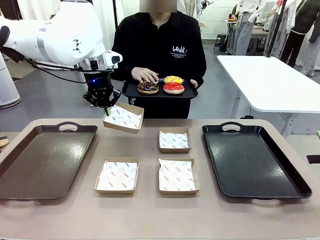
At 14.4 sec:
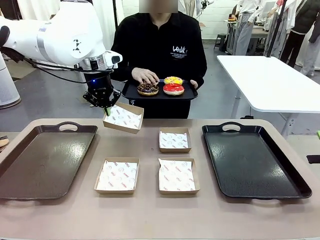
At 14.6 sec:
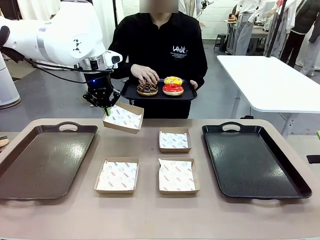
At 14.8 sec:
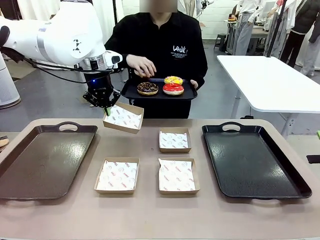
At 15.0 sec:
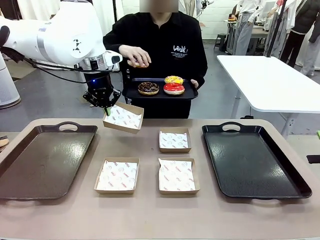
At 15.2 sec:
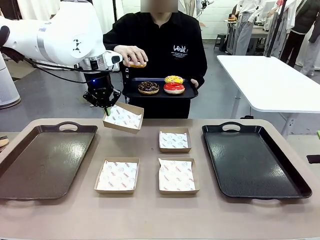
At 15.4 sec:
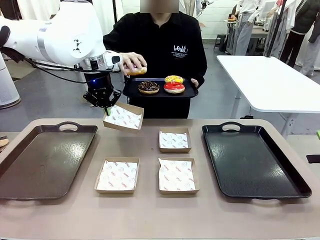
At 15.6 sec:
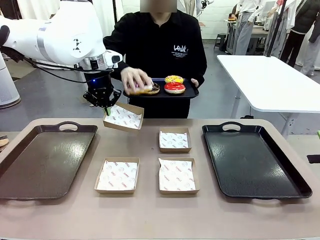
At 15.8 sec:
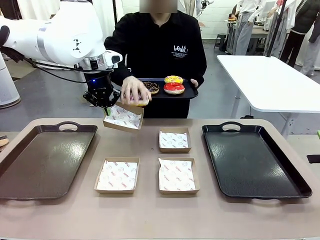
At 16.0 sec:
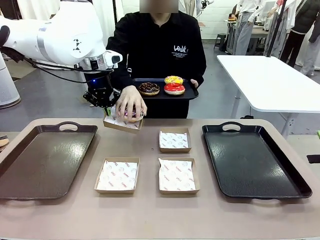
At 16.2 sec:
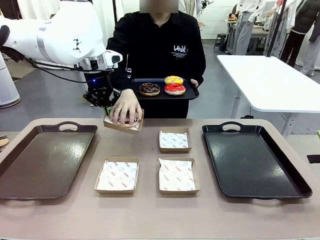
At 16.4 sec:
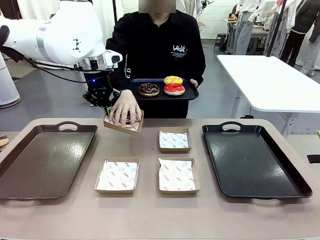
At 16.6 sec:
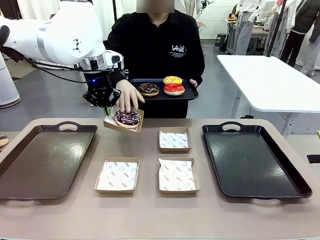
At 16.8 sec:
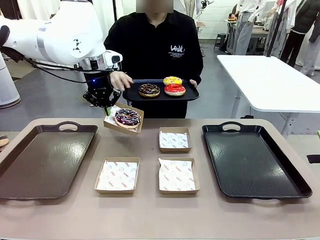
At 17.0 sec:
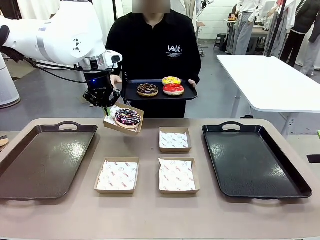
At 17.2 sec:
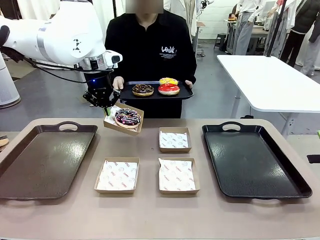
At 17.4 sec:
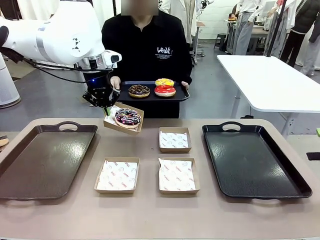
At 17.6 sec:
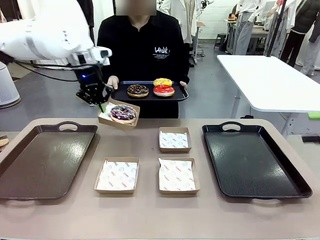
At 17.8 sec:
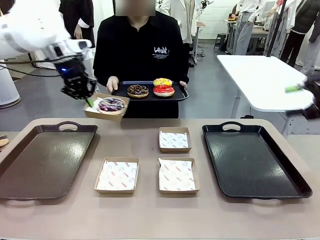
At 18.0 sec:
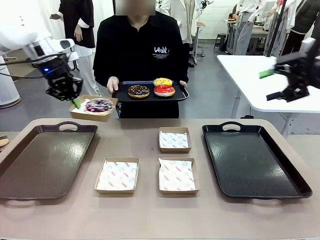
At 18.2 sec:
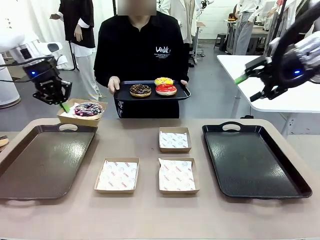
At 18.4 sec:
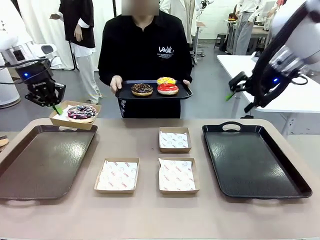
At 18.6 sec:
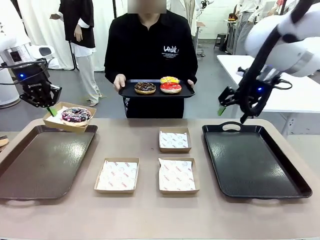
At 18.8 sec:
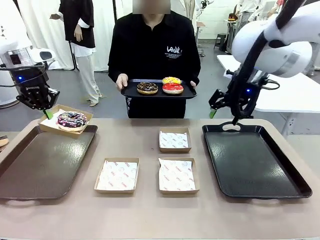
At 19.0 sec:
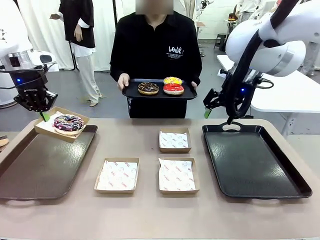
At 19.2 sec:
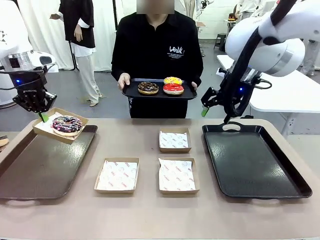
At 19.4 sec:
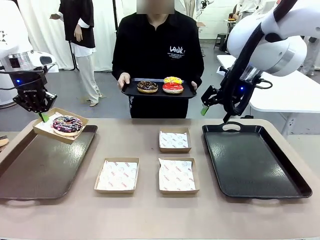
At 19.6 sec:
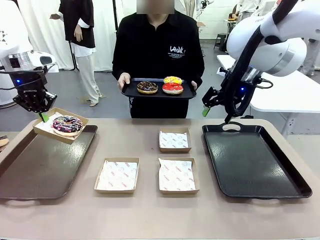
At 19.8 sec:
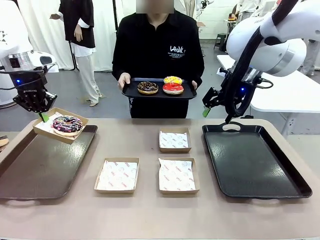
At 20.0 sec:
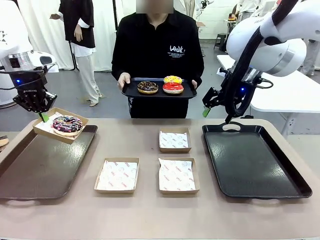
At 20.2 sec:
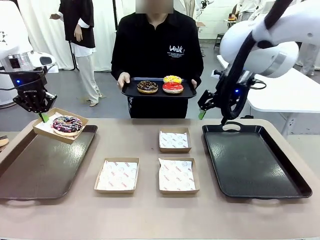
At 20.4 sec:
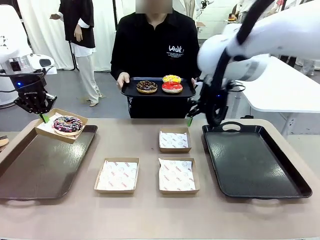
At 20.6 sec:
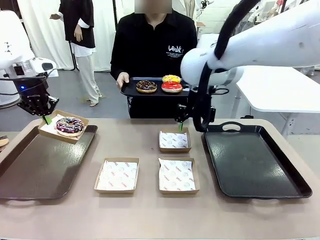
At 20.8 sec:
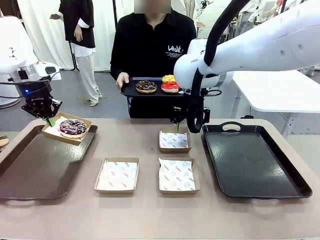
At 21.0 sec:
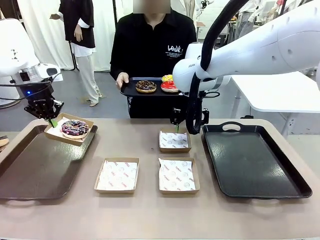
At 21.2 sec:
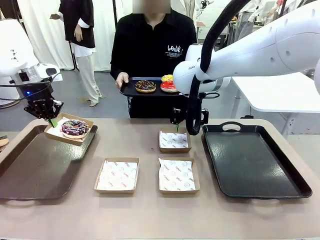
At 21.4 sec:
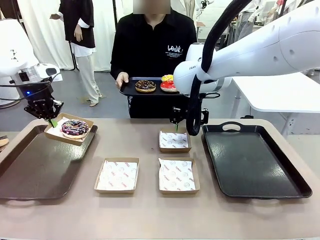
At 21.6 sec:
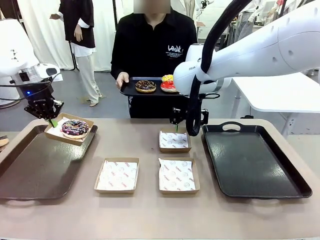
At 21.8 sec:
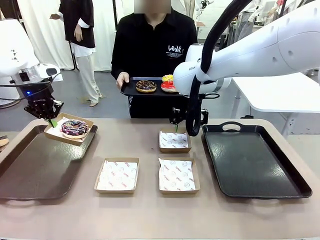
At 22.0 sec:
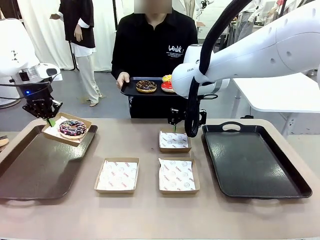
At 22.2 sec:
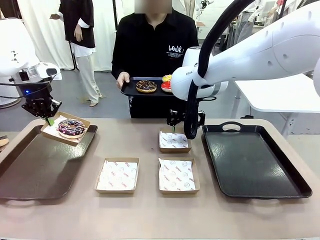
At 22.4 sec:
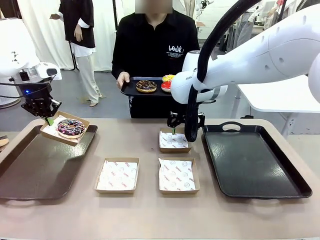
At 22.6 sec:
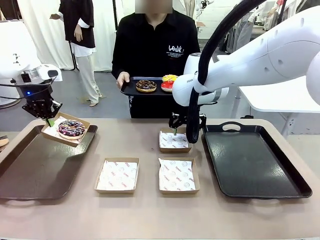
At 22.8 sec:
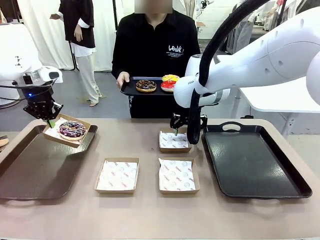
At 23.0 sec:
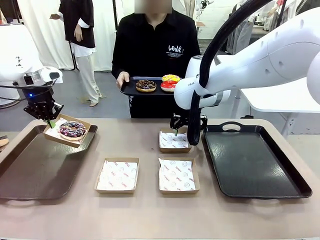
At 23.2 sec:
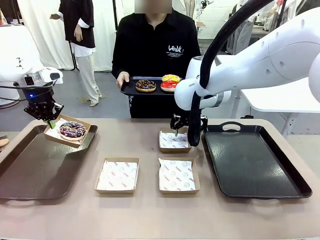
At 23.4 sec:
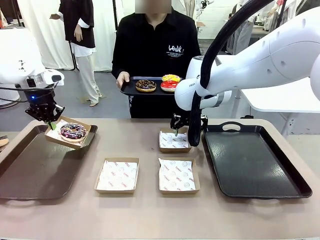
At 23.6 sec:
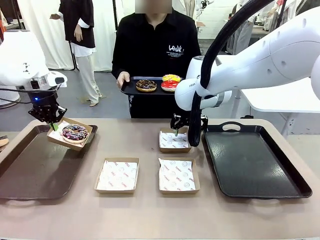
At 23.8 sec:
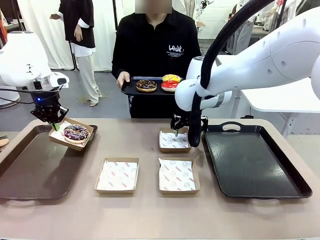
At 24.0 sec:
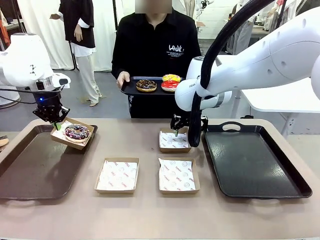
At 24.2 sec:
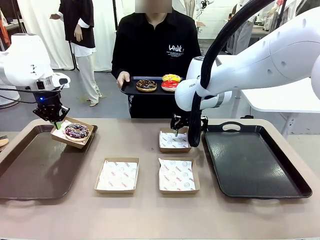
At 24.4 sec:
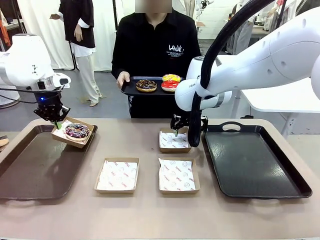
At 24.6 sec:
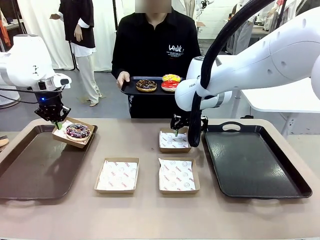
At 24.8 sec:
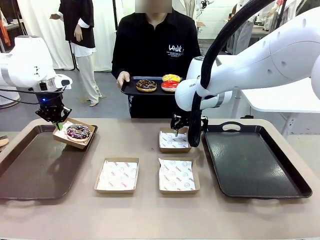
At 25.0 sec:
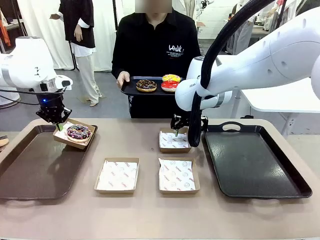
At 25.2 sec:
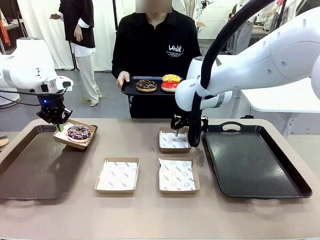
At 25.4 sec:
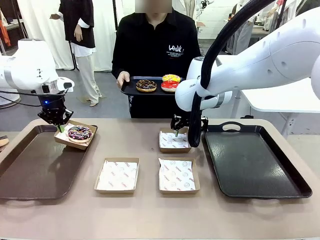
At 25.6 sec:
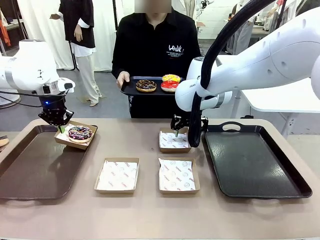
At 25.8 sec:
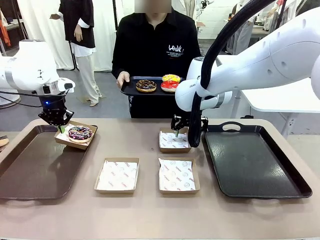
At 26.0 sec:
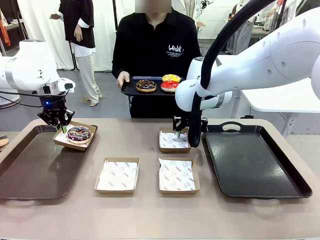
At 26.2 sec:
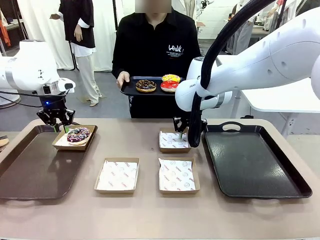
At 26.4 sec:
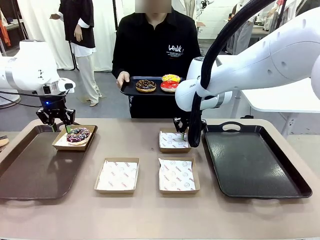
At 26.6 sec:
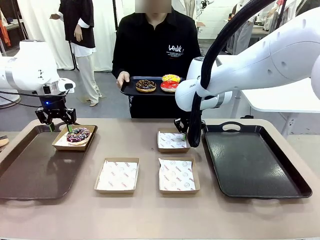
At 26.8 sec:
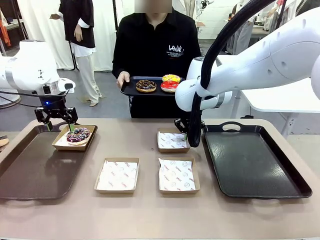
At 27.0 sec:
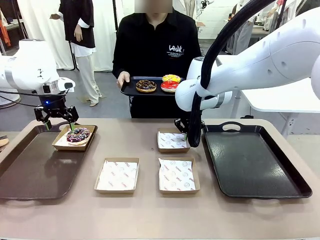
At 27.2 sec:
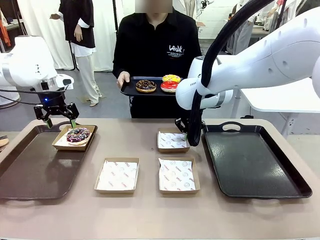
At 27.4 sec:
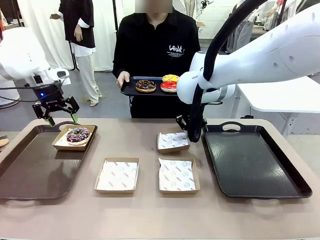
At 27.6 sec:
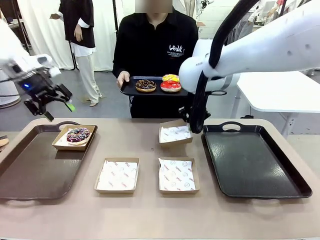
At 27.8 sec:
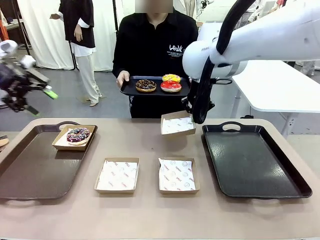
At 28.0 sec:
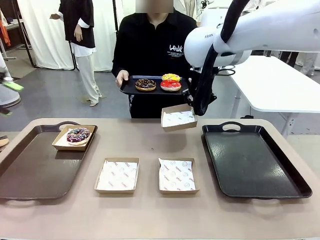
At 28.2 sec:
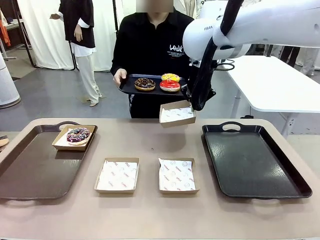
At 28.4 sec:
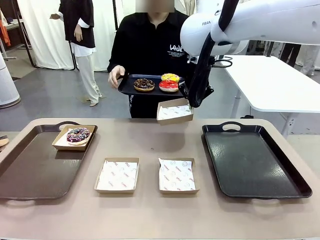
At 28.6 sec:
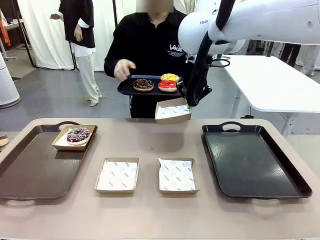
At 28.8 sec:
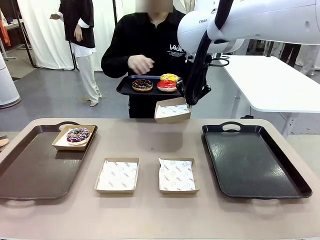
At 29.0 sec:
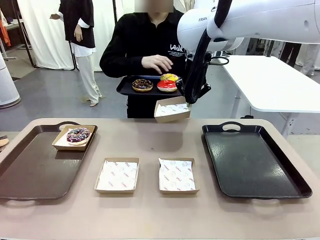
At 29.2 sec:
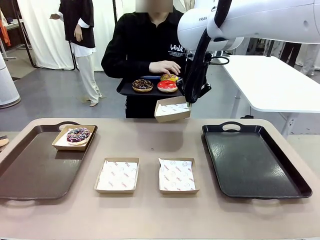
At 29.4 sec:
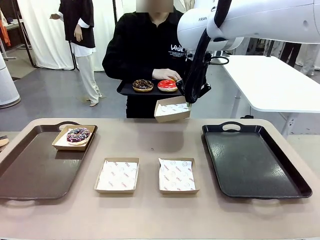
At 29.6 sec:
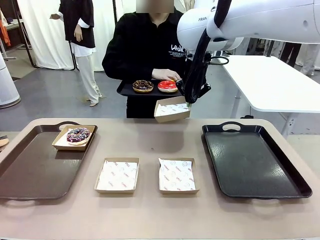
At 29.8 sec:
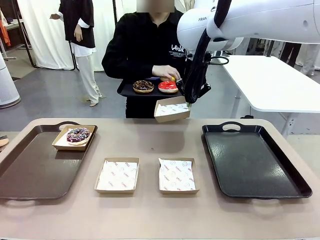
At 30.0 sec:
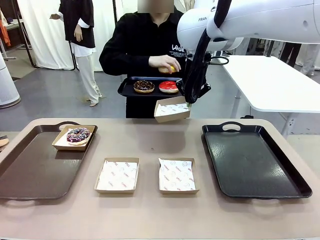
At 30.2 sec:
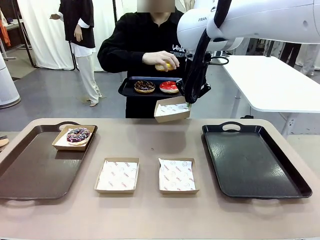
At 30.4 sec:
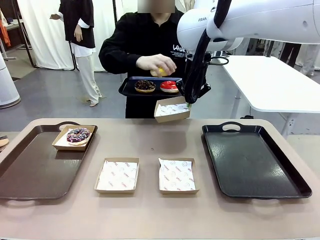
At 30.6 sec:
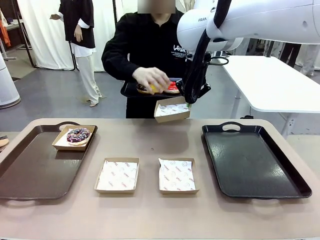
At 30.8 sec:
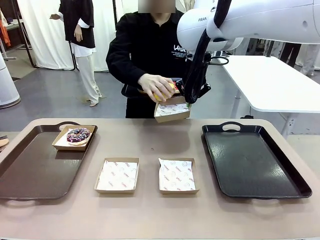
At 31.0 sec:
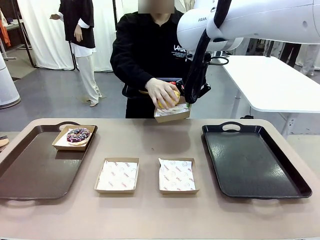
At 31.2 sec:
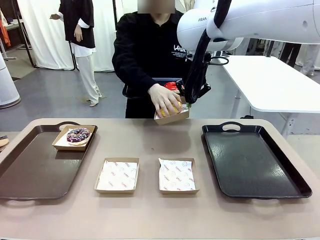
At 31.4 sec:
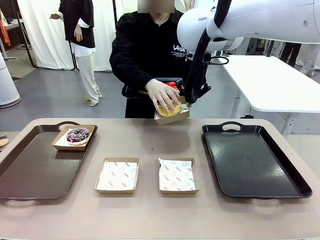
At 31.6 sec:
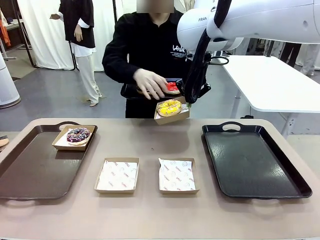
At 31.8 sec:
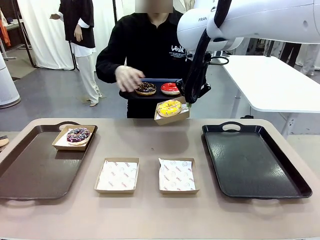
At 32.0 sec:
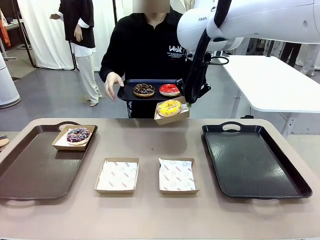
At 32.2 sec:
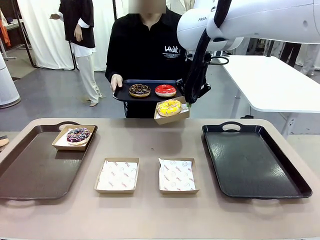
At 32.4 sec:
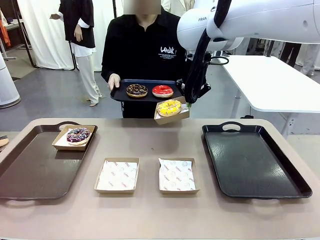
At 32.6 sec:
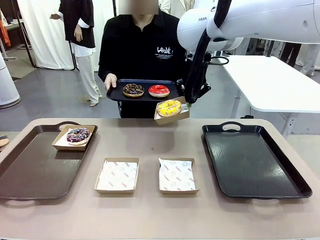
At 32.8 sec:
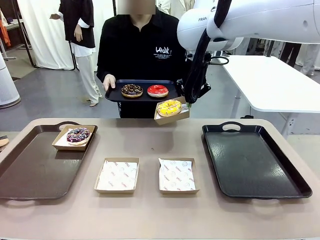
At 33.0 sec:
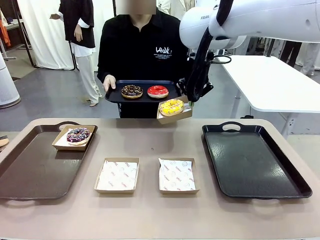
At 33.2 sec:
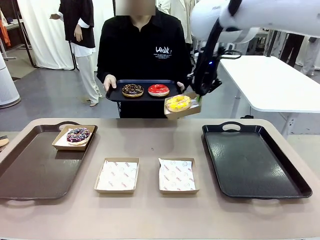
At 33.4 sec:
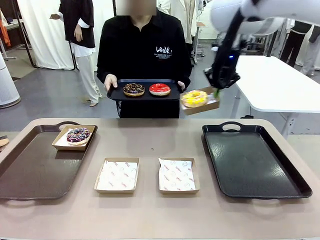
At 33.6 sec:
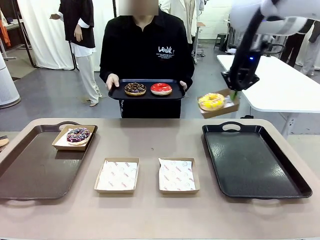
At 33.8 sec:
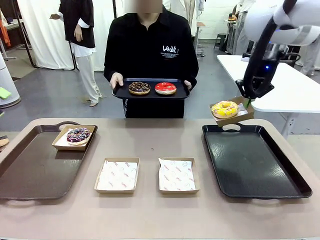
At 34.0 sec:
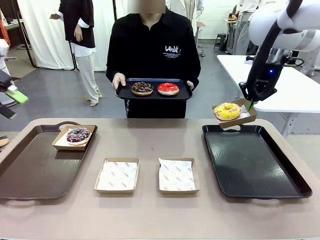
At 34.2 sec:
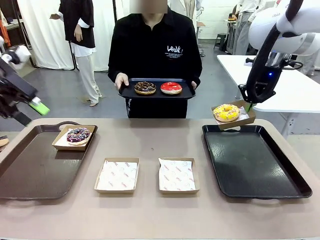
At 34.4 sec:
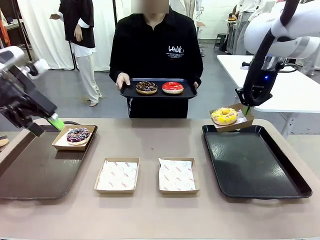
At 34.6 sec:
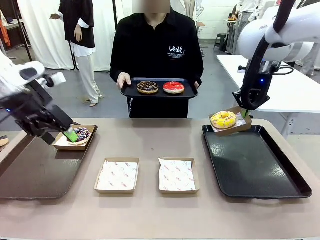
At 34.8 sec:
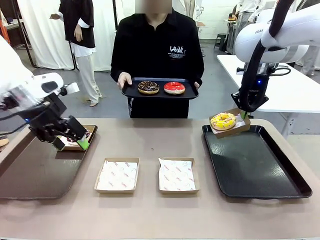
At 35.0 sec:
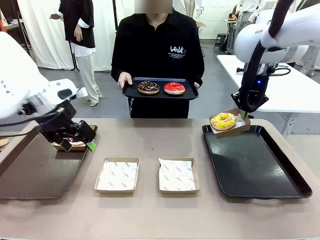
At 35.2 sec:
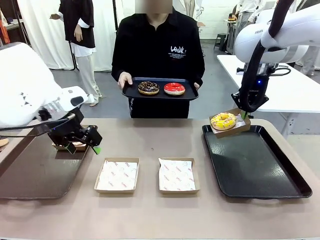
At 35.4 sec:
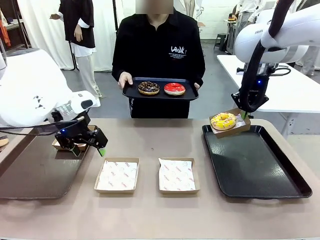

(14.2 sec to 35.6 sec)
Task: Individually package the donuts and arrange them on the tray.
Robot: Place the picked Paper togo box on the Handle tray while simultaneously picking up another Paper togo box from the table with the other hand.

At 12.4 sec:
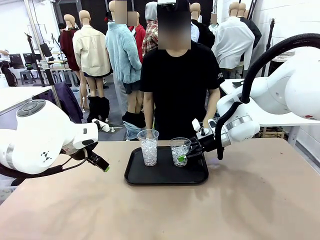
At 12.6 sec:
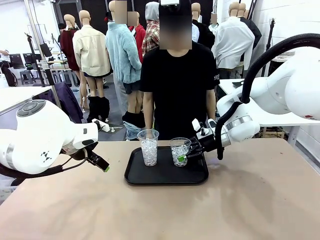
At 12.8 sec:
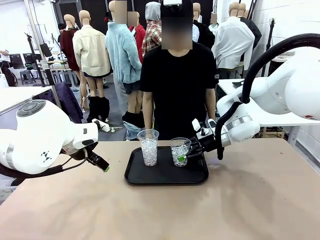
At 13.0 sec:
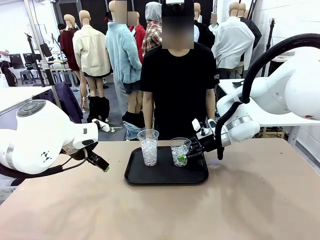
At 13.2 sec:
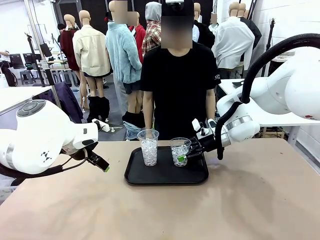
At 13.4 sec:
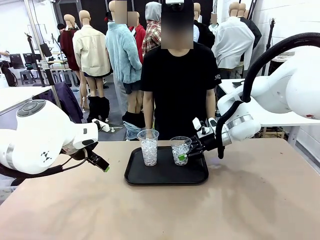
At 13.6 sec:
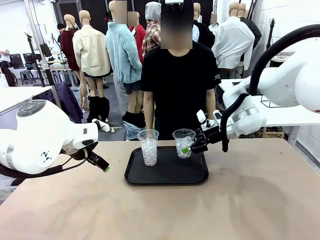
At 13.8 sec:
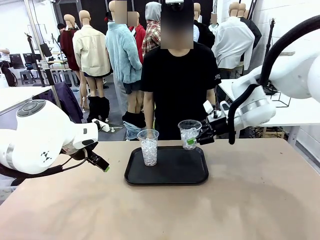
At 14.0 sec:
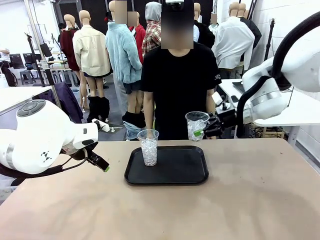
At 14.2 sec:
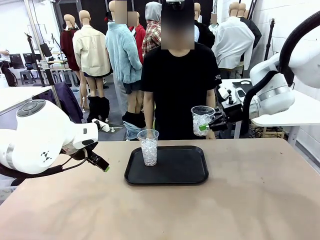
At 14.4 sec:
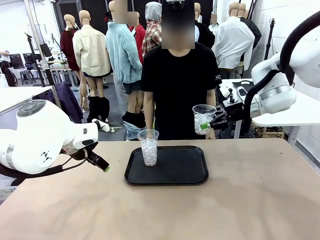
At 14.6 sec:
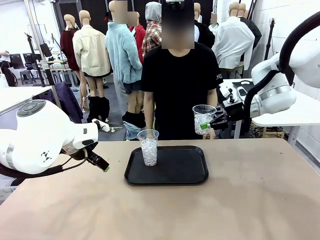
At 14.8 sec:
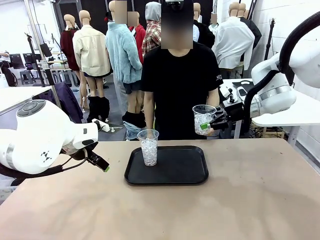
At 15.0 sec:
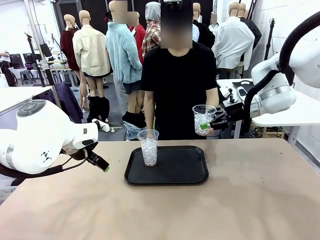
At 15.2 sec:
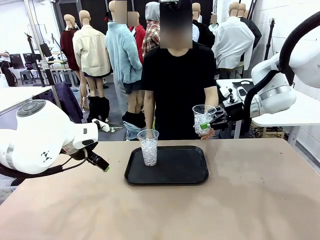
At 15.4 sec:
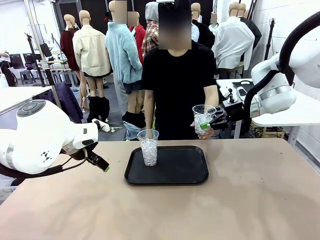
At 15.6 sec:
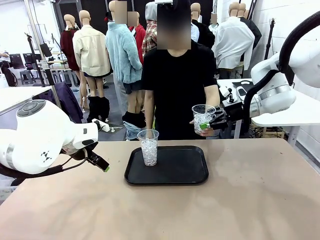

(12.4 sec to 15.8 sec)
Task: Pour the drink into the iced cup.
Robot: Open the gripper to release the iced cup you were holding.
